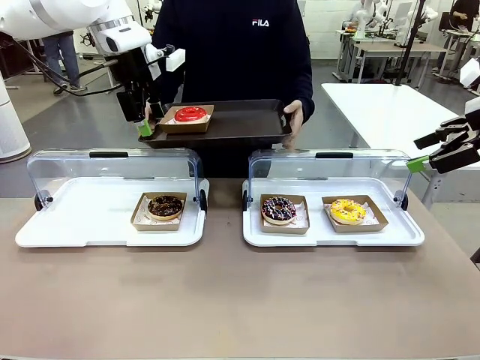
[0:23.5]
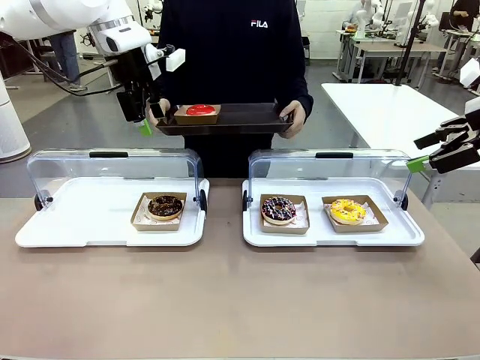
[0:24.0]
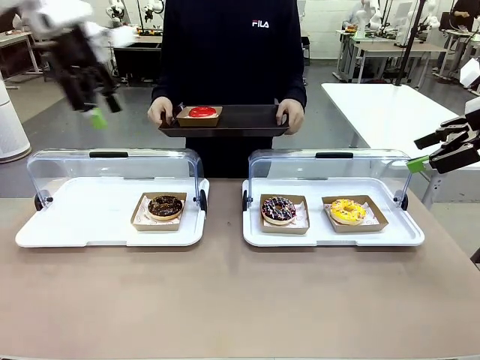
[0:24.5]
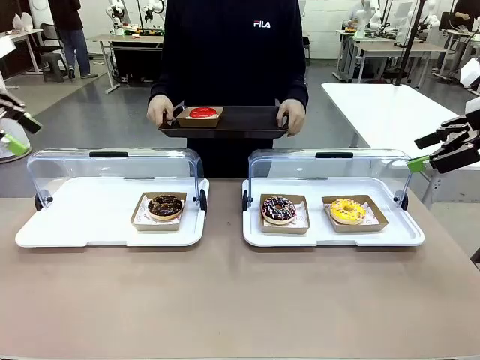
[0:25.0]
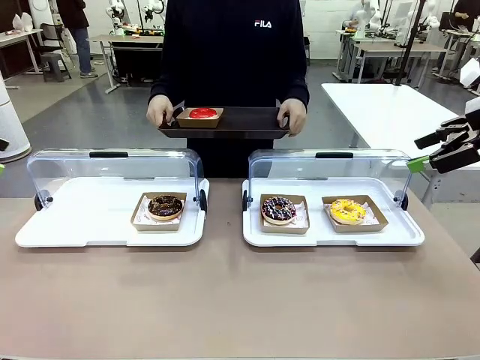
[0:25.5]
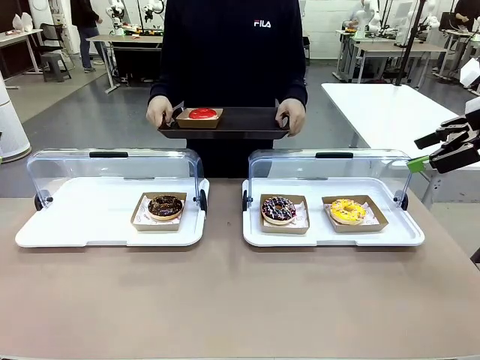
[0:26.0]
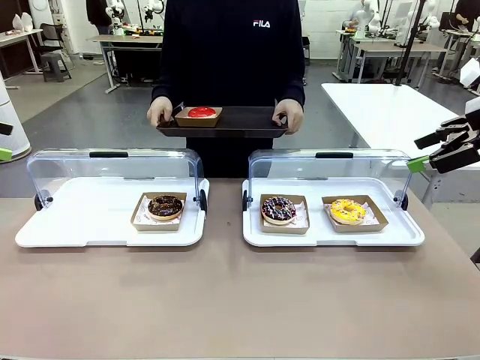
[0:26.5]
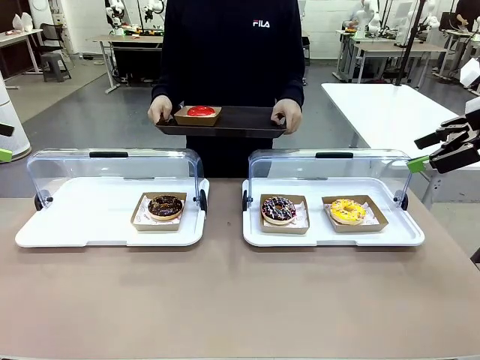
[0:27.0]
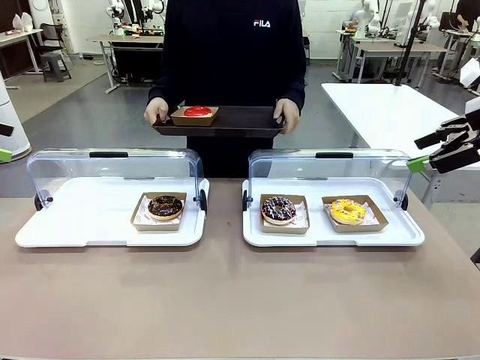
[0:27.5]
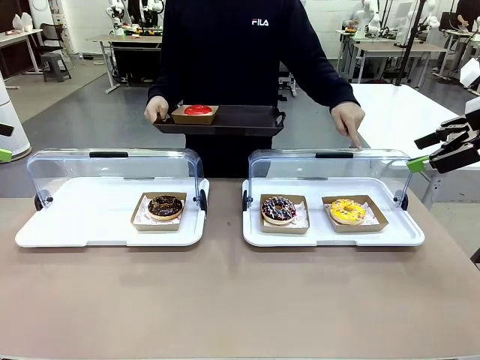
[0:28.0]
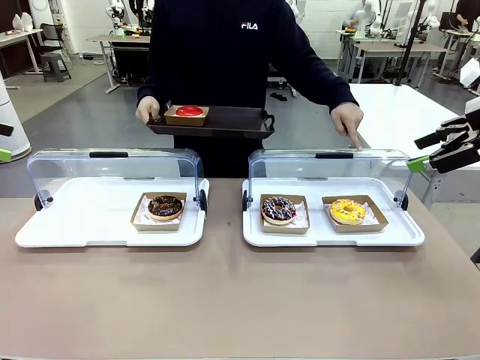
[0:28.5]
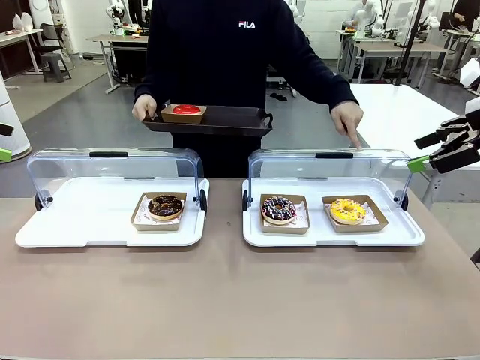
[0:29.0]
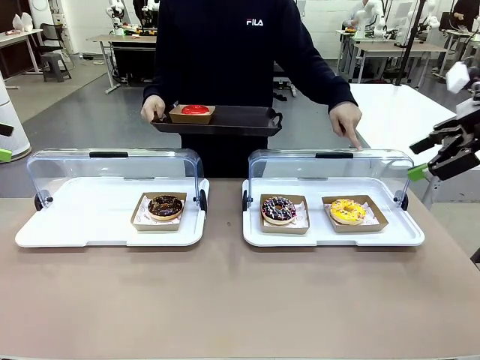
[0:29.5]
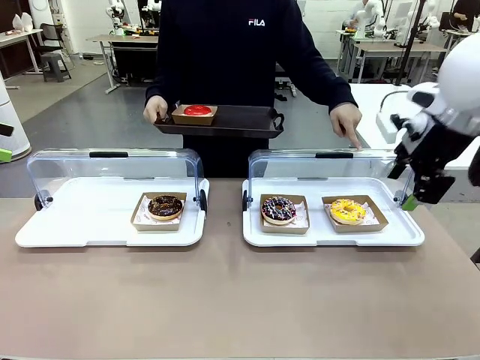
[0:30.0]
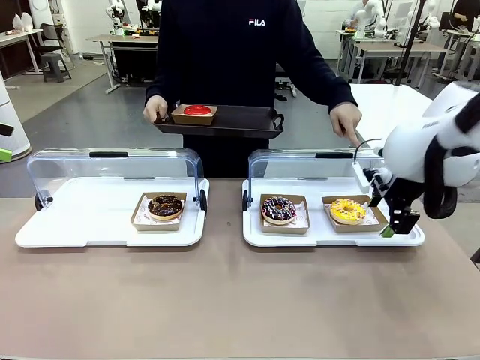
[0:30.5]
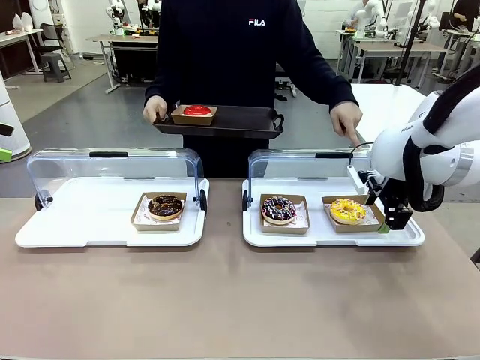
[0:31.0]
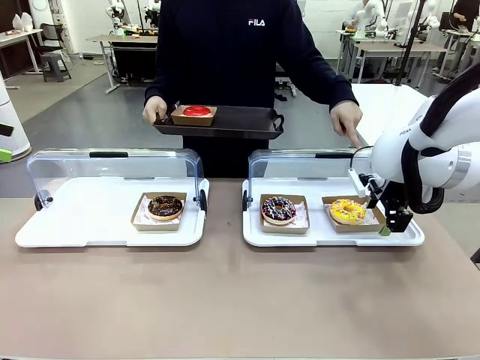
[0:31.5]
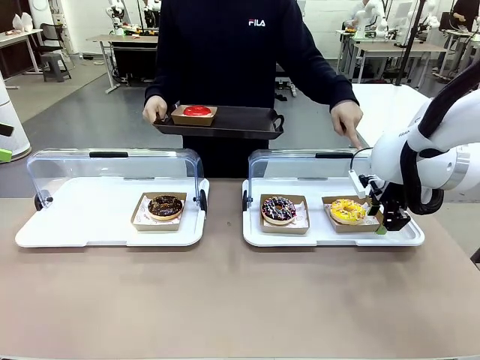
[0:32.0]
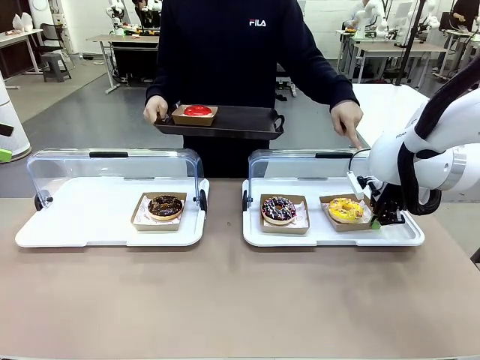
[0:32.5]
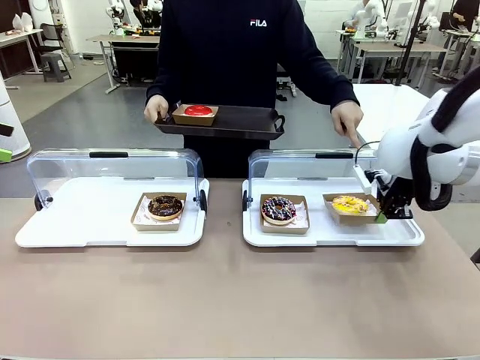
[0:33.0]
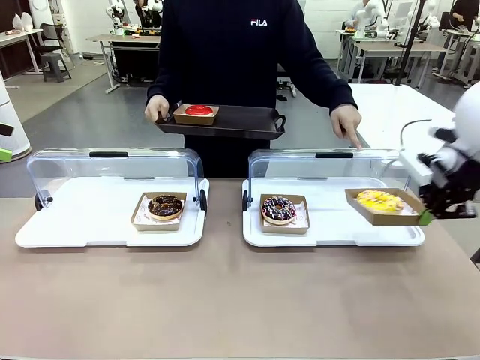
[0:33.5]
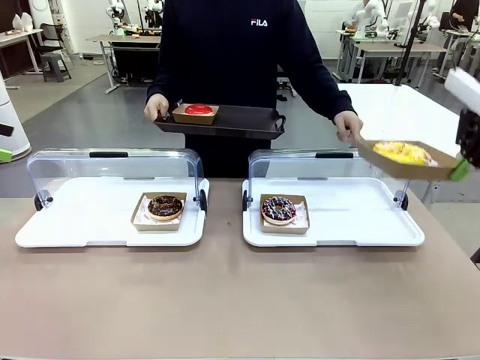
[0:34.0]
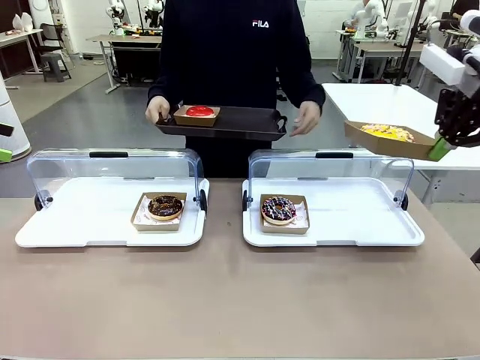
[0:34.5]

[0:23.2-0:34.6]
Task: Provide the desired donut to the person.
Robot: Pick up and lift the Paper togo box containing the Donut pointed at by the person.
Person: Point to one donut. Lift the tray onto the Roll-Top Bakery Case.

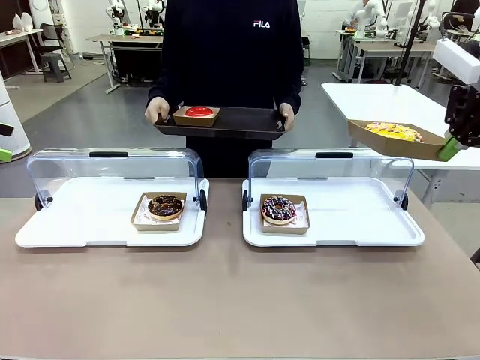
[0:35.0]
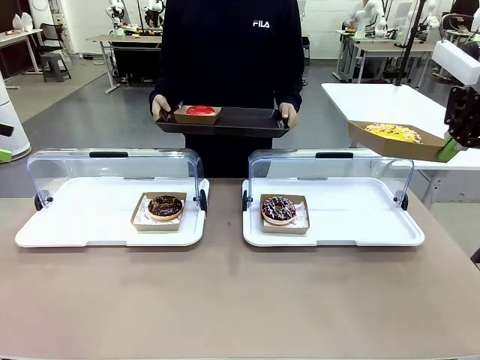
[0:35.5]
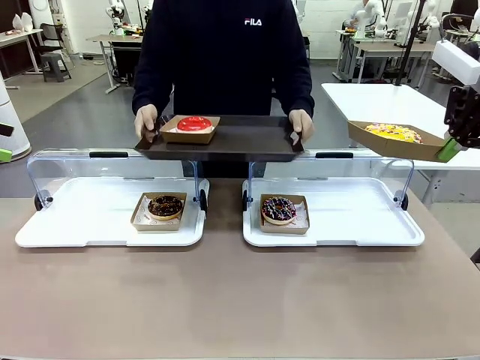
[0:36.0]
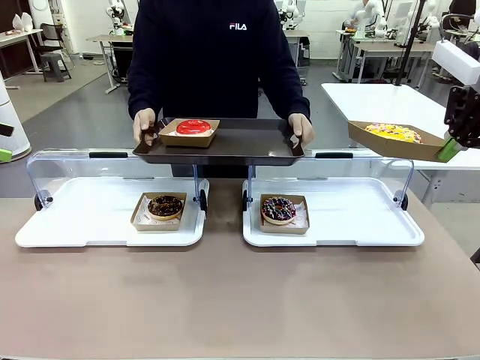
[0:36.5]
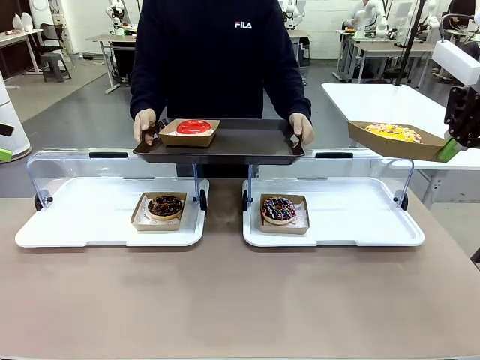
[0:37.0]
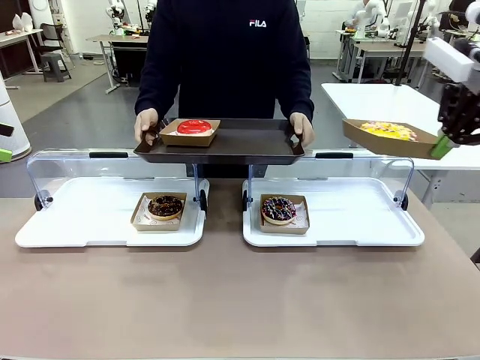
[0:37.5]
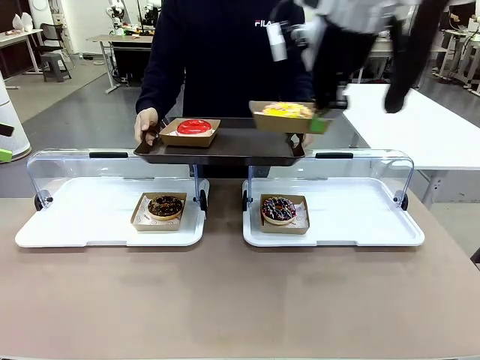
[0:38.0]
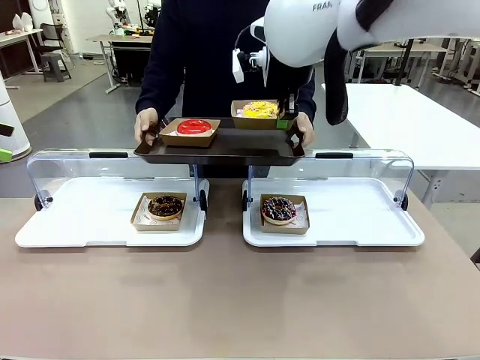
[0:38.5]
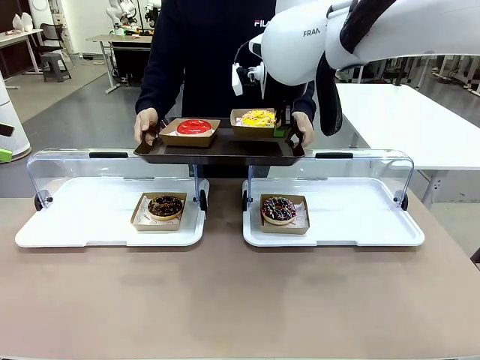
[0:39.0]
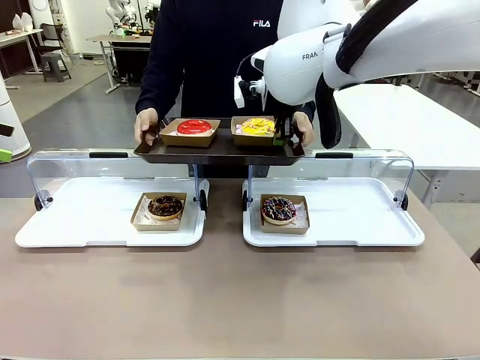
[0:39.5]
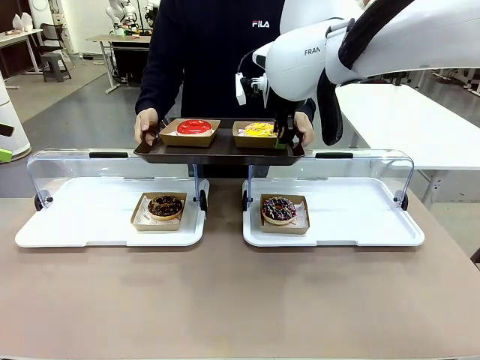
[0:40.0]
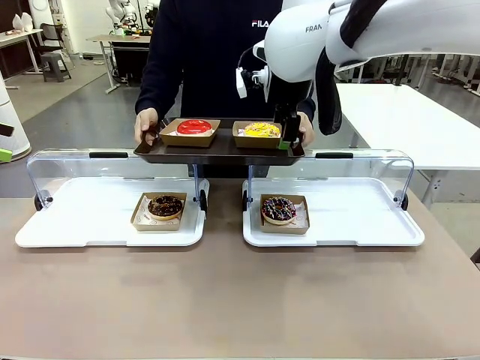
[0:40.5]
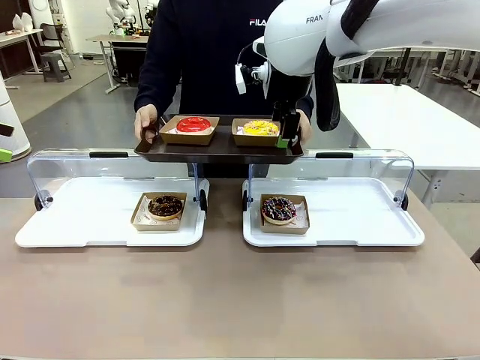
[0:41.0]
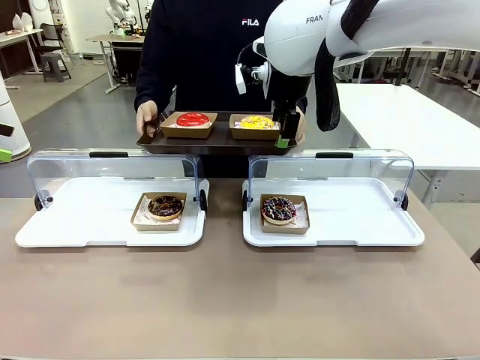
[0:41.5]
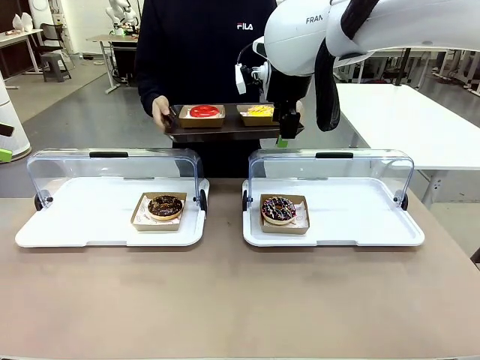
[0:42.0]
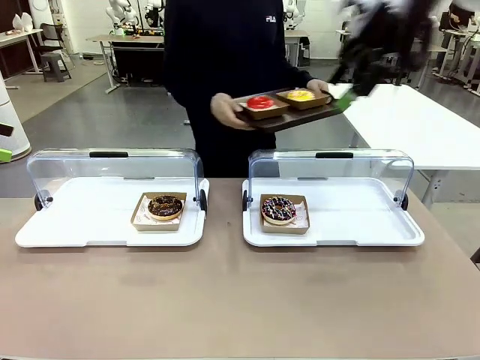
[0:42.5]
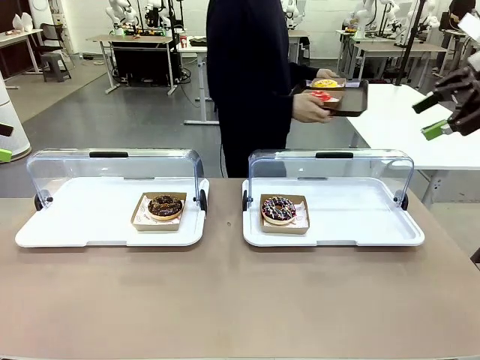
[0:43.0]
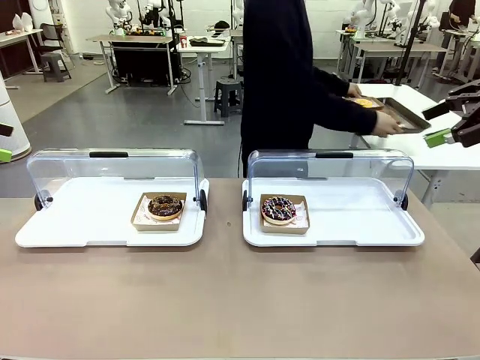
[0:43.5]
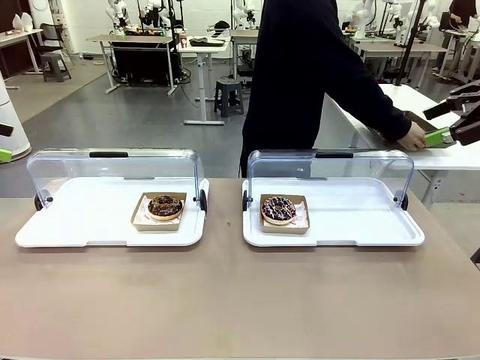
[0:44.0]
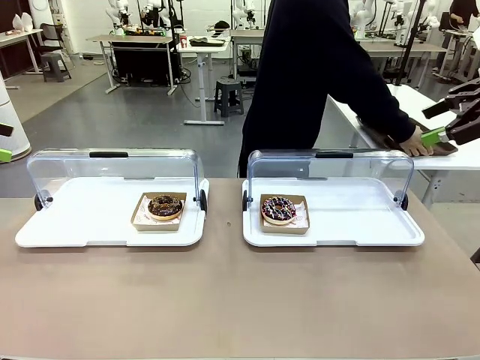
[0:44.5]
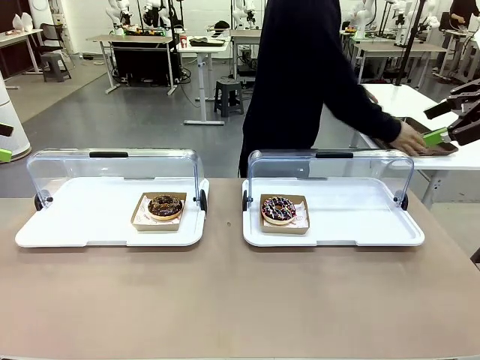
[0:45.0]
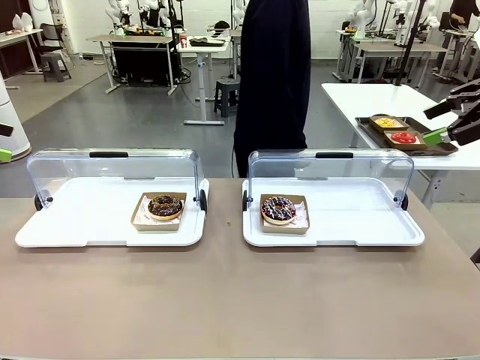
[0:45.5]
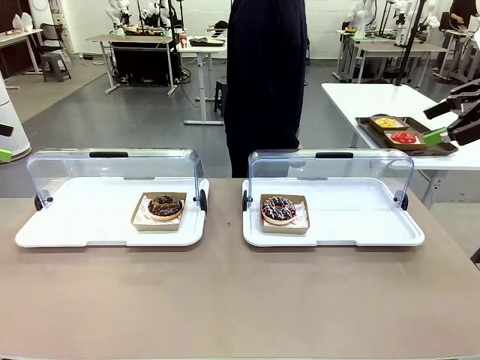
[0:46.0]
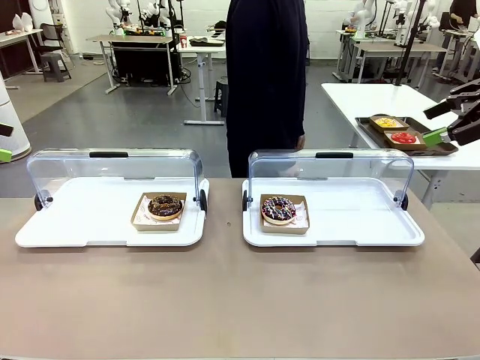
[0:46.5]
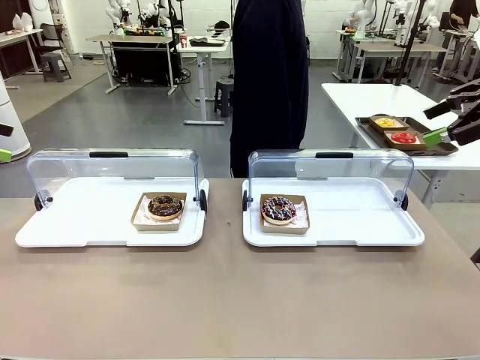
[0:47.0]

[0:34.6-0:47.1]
Robot: Place the picked Paper togo box onto the Handle tray extended by the person.
Person: Place the tray in the middle of the human table.

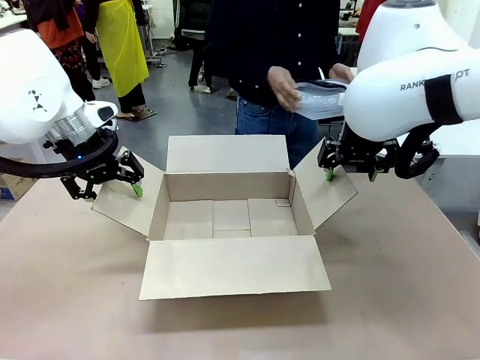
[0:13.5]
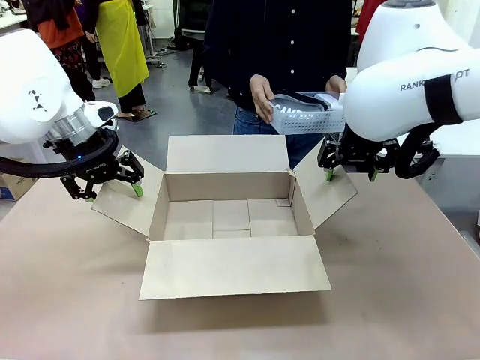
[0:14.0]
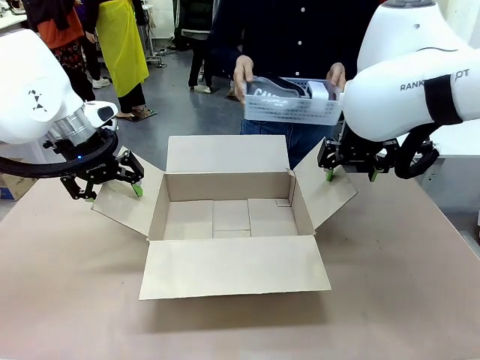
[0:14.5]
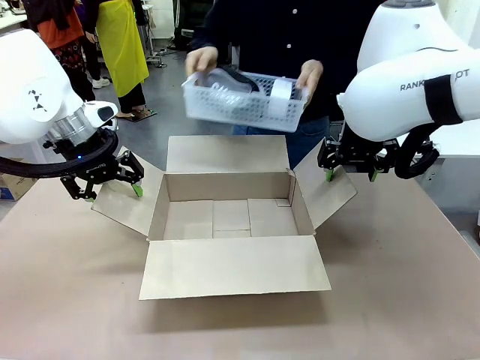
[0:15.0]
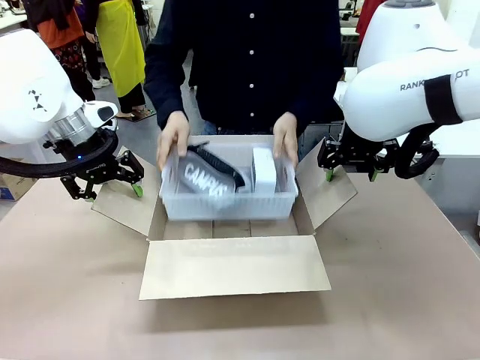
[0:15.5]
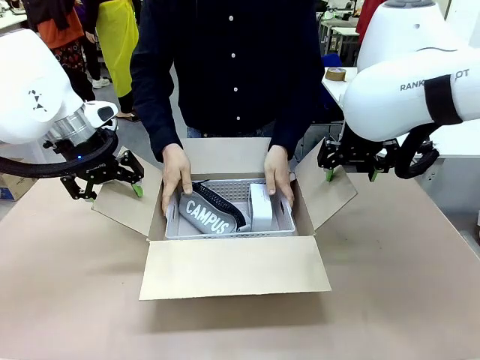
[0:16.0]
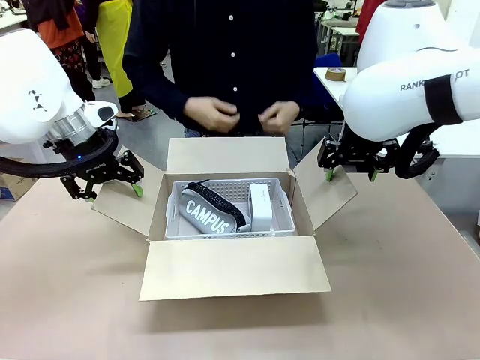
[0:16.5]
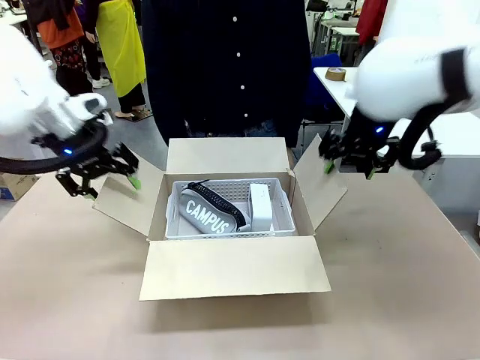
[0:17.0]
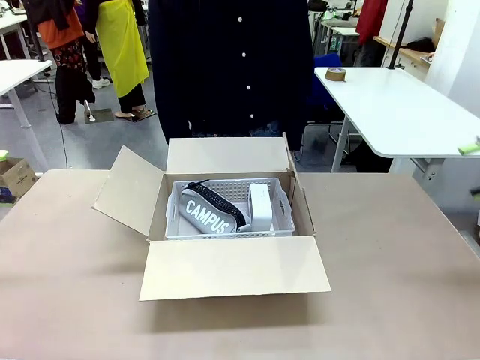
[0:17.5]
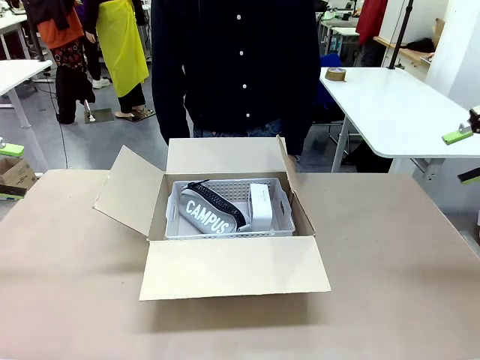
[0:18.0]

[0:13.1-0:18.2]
Task: Pack the gift set into the box.
Robot: Lift both hands away from the flaps of the Package Box.
Person: The human picks up the organizing basket and places the organizing basket into the package box on the robot table.
